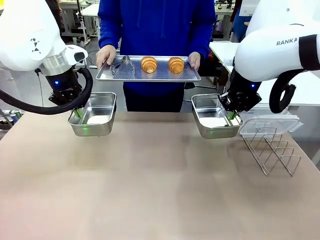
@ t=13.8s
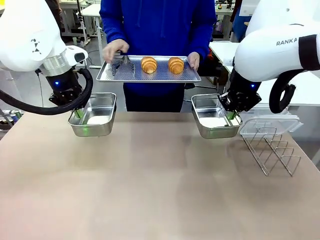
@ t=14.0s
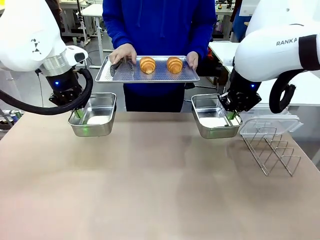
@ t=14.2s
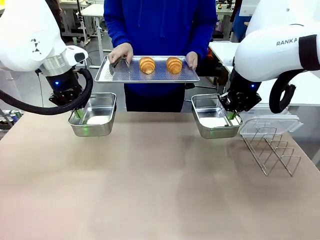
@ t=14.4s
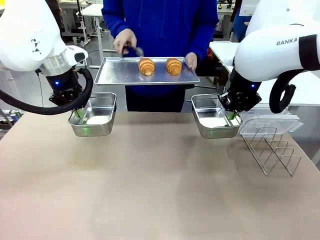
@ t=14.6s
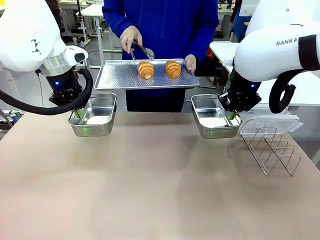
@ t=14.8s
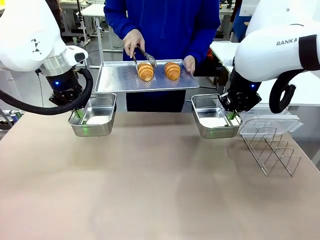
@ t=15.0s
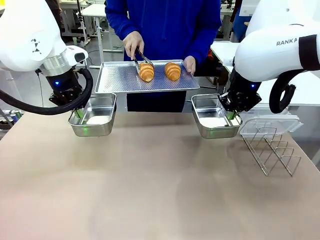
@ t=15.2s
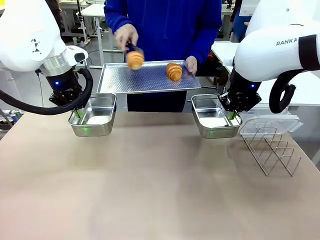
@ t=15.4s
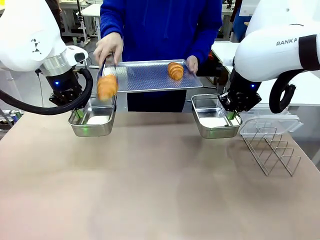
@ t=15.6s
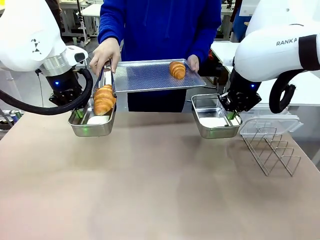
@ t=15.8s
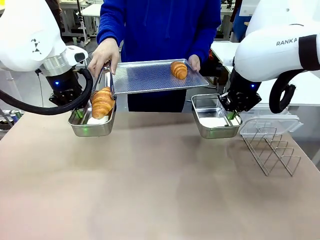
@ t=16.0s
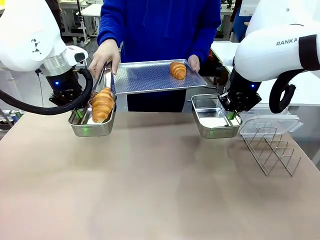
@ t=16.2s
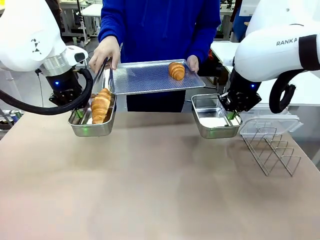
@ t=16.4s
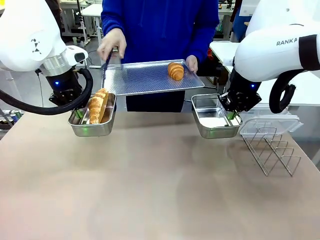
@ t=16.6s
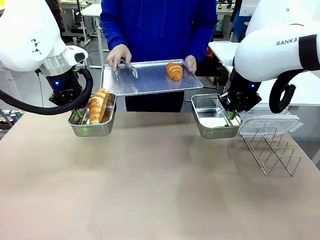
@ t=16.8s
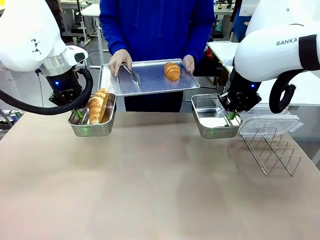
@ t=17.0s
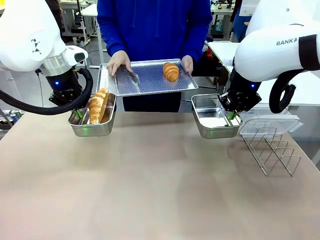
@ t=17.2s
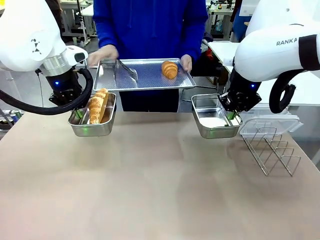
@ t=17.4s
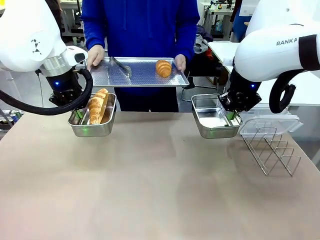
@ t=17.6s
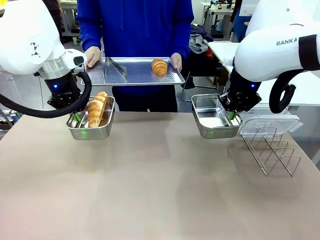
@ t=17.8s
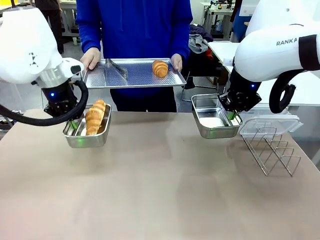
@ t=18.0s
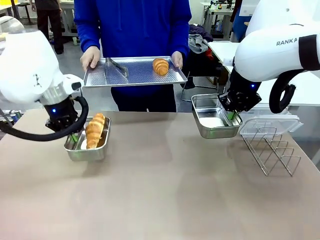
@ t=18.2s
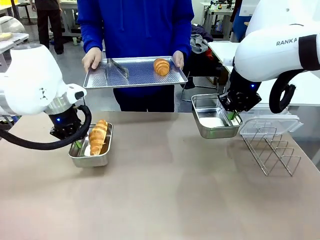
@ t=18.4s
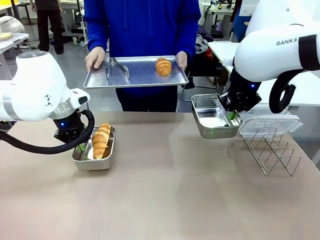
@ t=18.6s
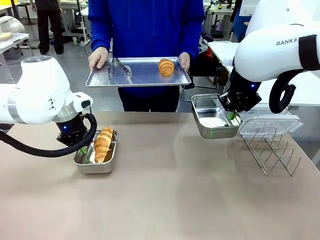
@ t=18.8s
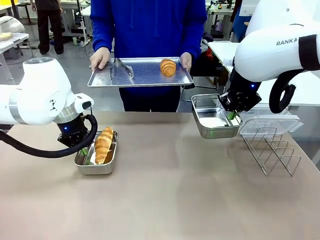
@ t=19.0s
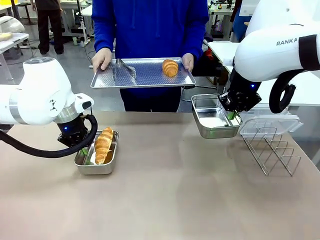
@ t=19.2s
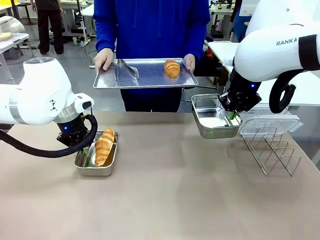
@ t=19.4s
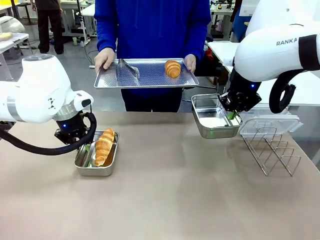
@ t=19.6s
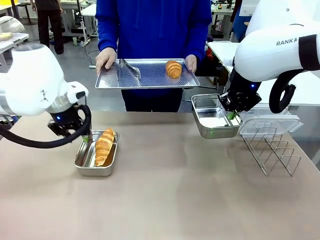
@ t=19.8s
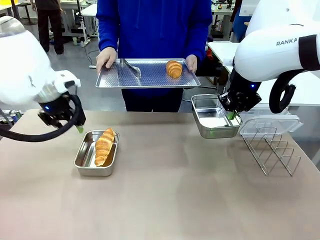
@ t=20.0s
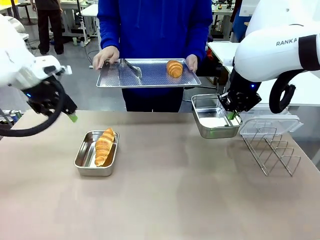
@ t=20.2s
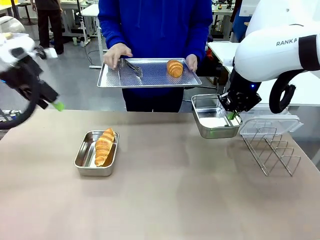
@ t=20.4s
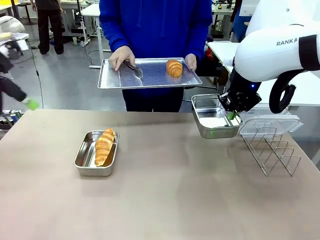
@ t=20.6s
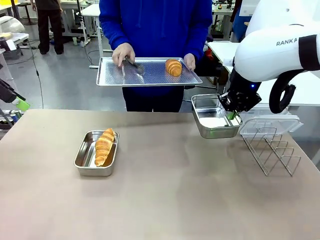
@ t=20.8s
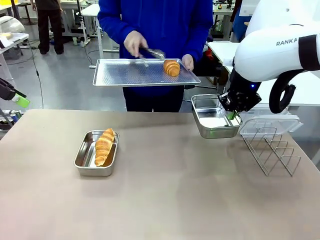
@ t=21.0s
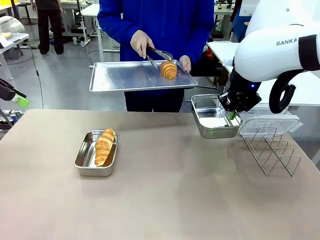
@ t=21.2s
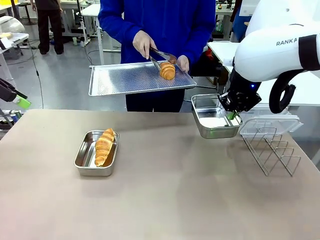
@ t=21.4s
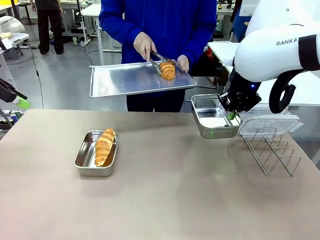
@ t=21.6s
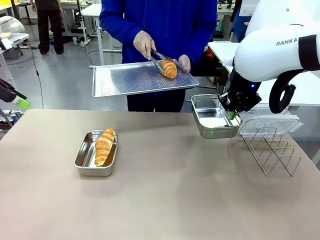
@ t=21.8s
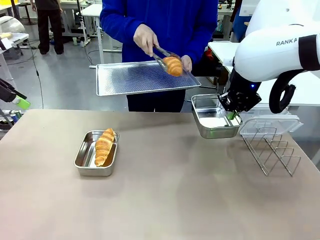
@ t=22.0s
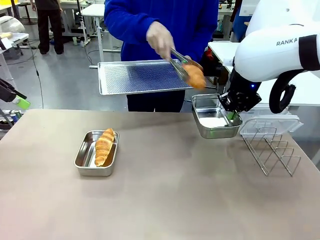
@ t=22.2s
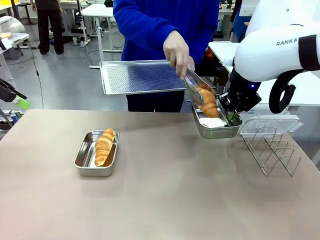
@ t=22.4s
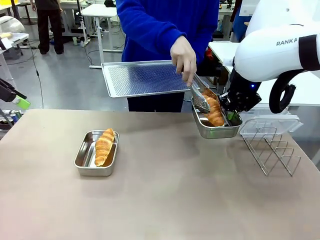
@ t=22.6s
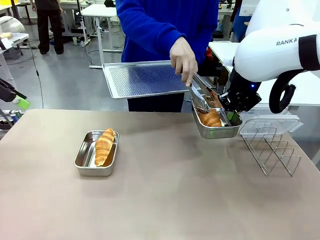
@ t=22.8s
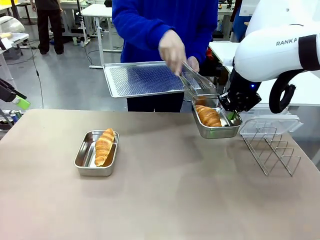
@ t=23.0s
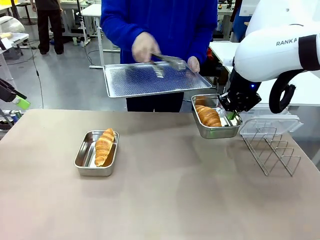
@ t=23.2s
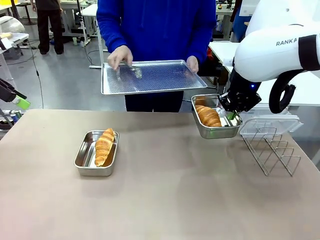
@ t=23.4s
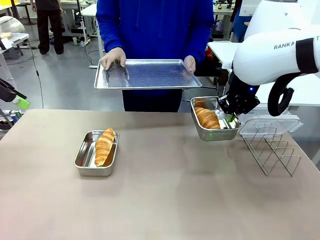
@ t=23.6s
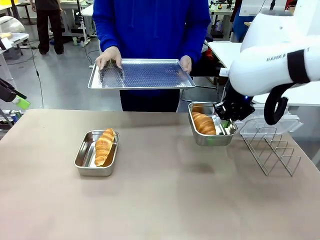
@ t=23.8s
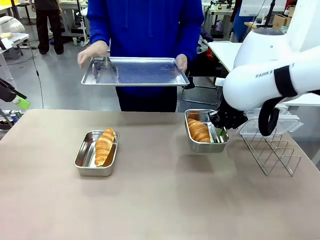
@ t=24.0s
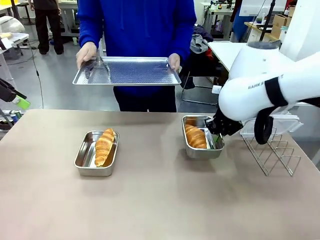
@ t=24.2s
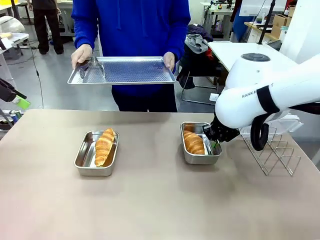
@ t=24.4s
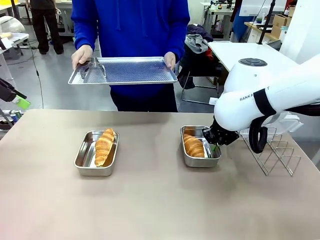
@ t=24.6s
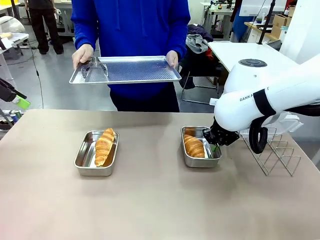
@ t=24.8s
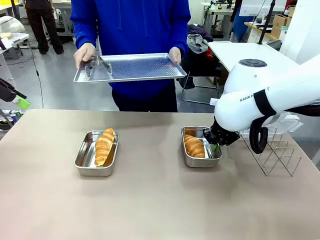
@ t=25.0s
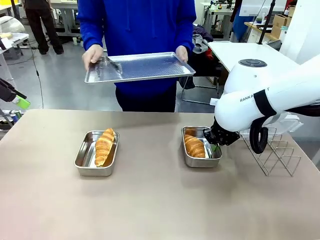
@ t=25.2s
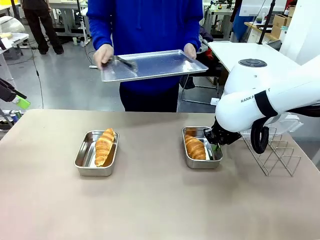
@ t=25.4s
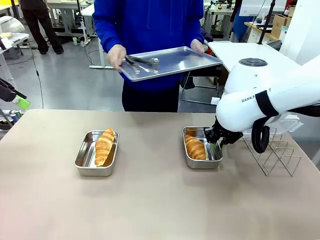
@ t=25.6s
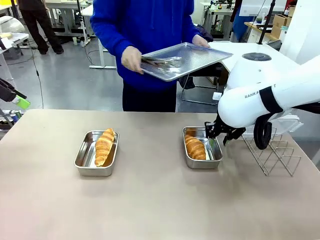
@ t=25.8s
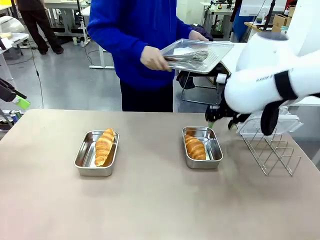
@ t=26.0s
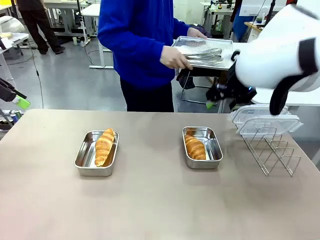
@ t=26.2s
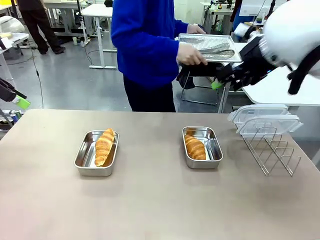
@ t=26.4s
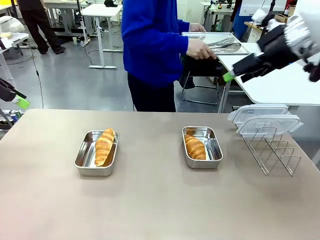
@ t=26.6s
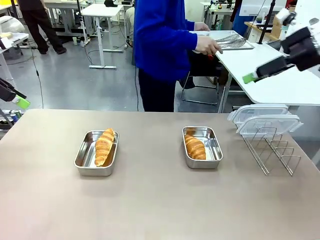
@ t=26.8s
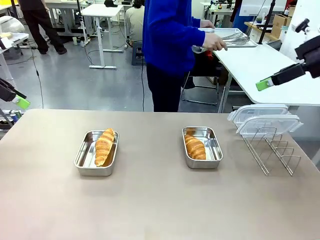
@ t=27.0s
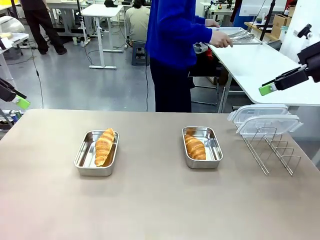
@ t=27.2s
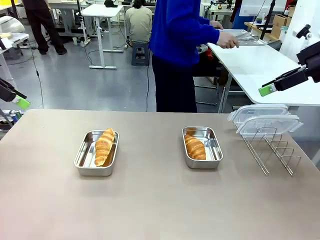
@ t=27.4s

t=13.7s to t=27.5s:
Task: Place the bread in airtight containers.
Robot: Once an object is inside an Airtight Container , place the container in the center of the table.
Person: Use the Stainless steel tongs to place one object from Baking Sheet into one Airtight Container. Place Baking Sheet on the Human's Table.

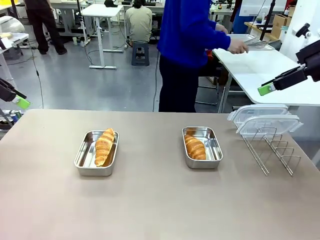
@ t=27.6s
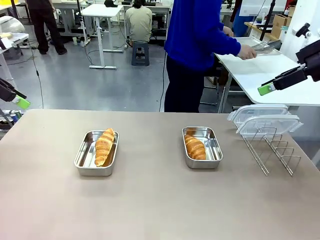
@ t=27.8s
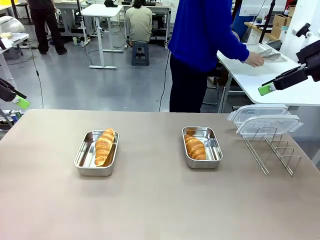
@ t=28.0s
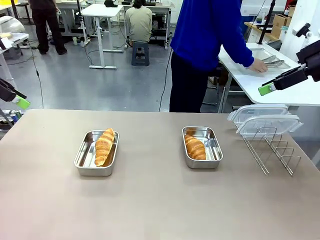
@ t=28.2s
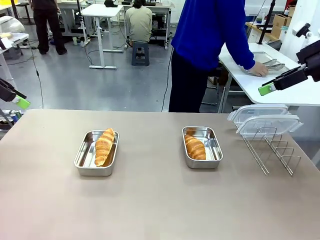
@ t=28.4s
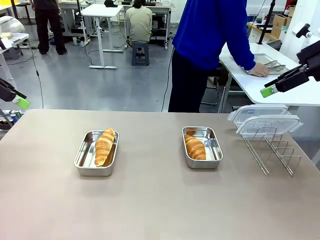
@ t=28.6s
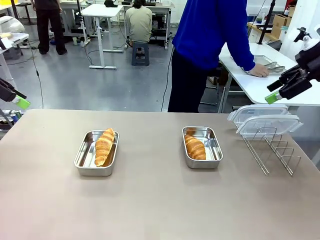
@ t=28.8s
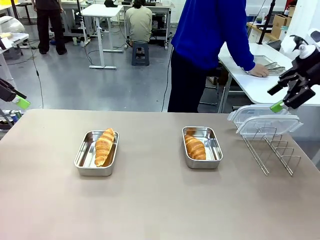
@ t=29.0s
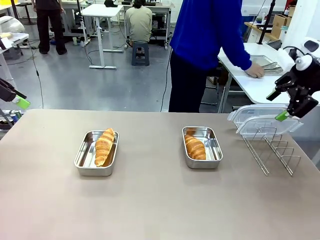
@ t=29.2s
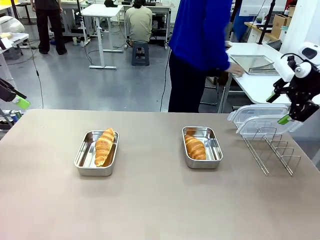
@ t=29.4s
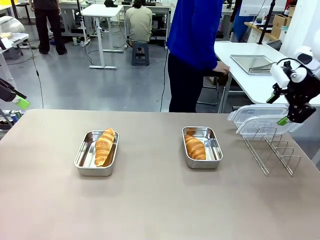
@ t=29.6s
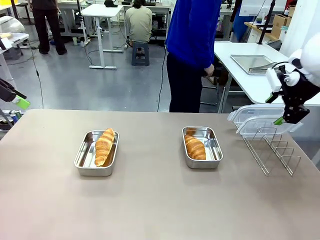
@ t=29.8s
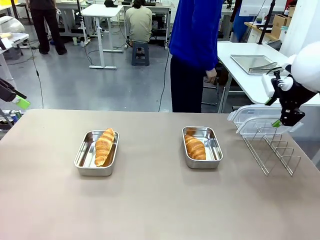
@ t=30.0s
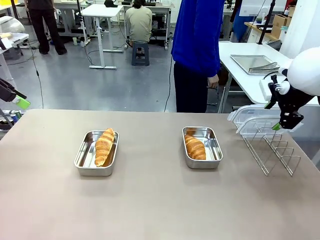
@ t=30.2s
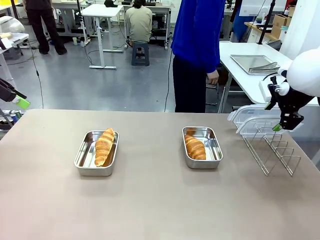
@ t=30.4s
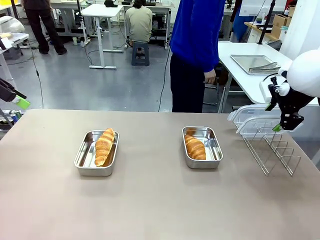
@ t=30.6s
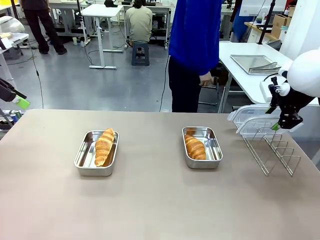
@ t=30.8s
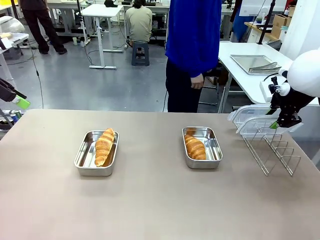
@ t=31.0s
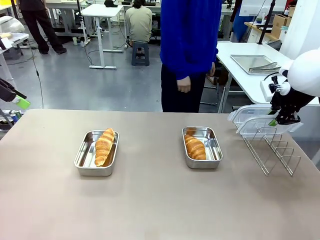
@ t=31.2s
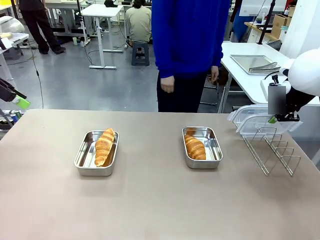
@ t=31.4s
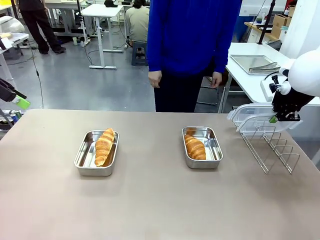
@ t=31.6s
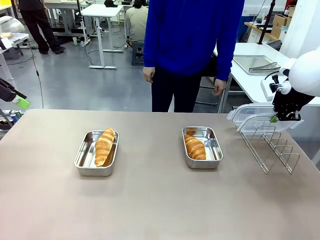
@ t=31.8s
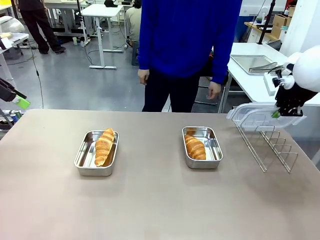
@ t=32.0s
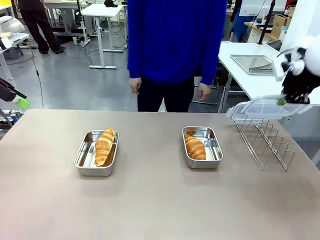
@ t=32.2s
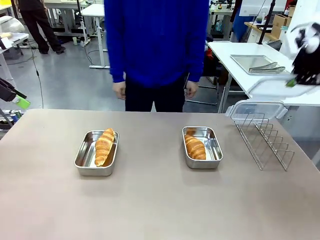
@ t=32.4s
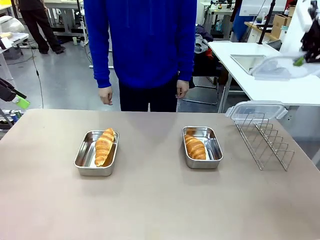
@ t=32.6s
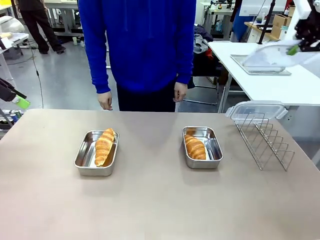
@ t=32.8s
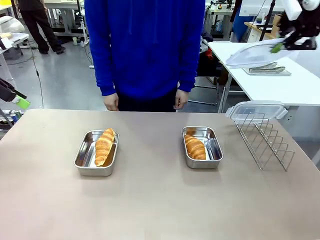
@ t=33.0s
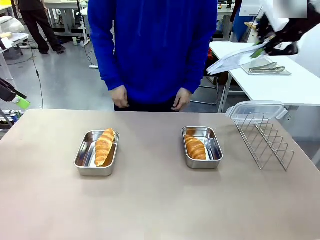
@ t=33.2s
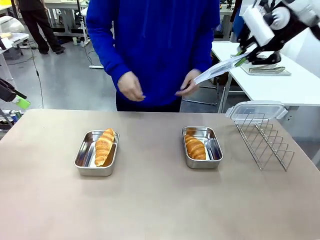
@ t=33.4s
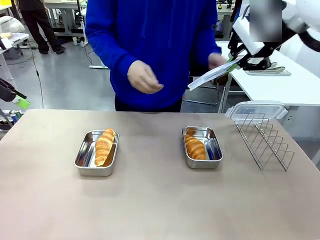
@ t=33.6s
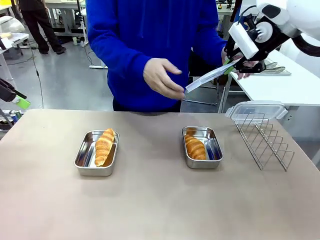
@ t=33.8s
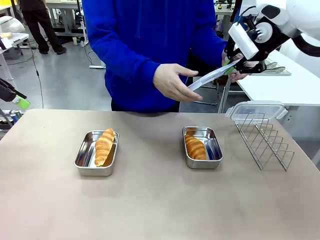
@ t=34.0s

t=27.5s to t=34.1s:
Robot: Pick up one Airtight Container lid and hand it to the human.
Person: Grip Airtight Container lid that robot is handing.

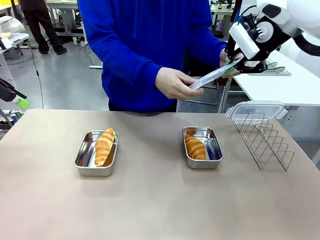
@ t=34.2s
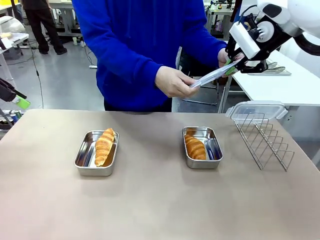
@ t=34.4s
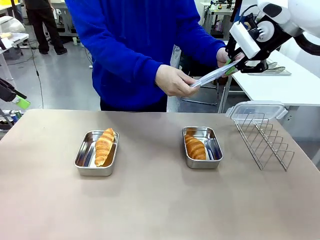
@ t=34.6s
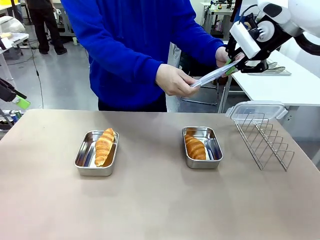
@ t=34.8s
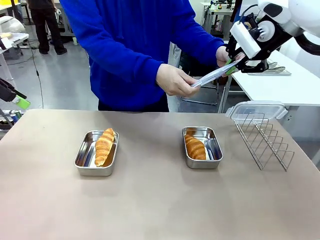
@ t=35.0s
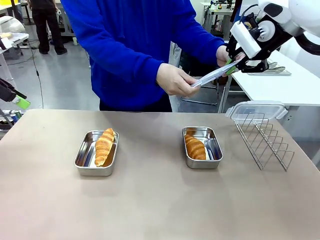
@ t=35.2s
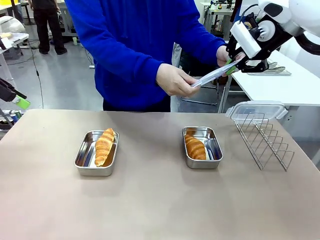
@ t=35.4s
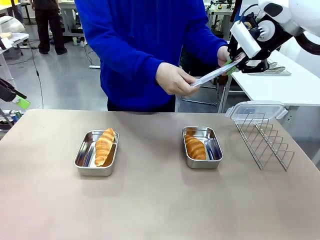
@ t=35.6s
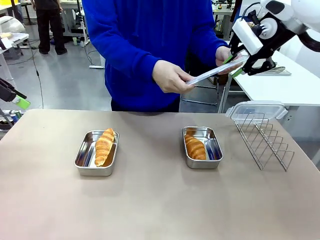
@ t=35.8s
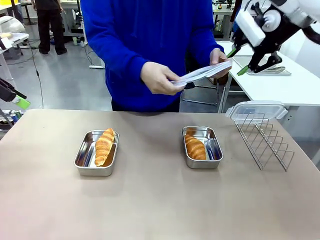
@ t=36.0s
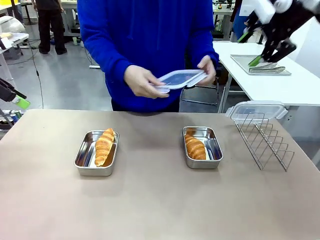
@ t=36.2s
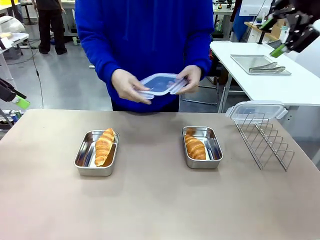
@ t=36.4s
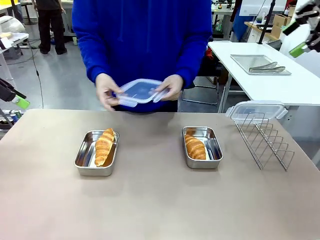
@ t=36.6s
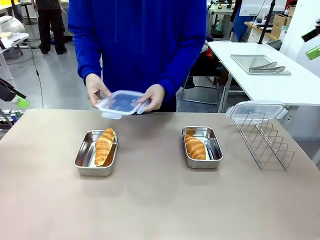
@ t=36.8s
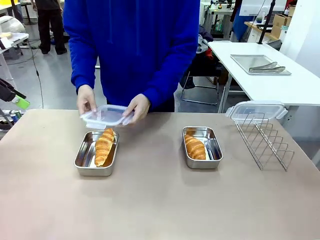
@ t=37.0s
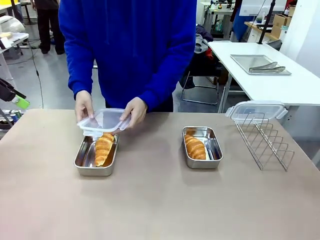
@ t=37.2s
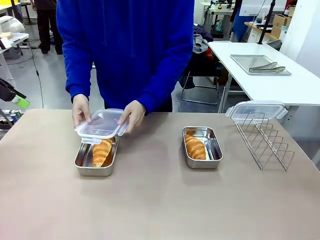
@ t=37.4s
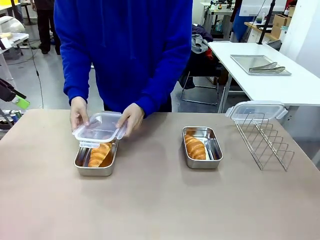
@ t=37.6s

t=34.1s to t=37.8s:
Robot: Release when the human grabs the Airtight Container lid.
